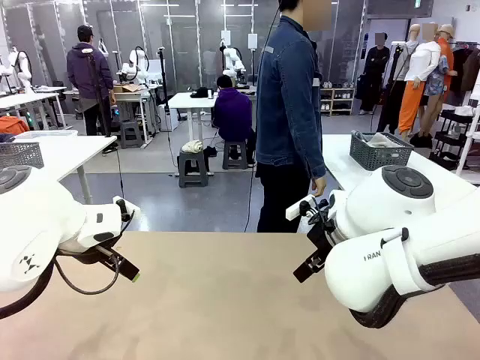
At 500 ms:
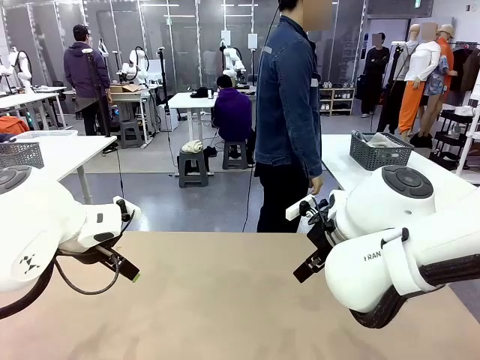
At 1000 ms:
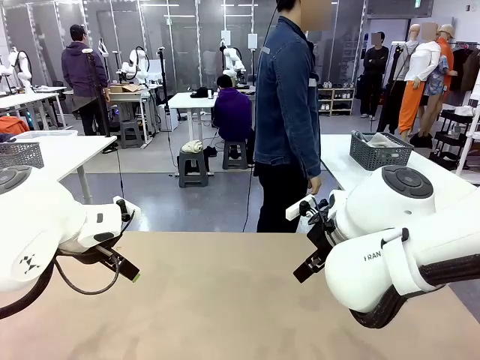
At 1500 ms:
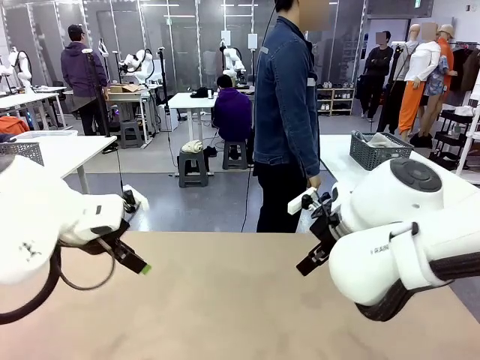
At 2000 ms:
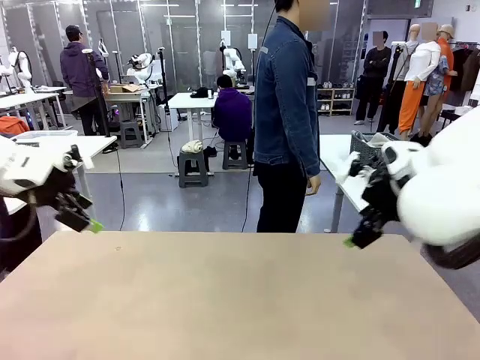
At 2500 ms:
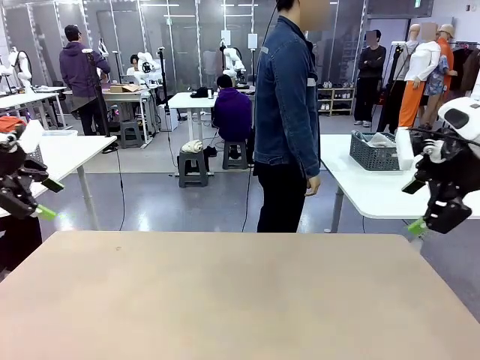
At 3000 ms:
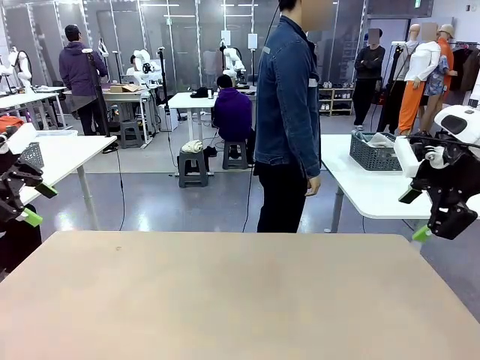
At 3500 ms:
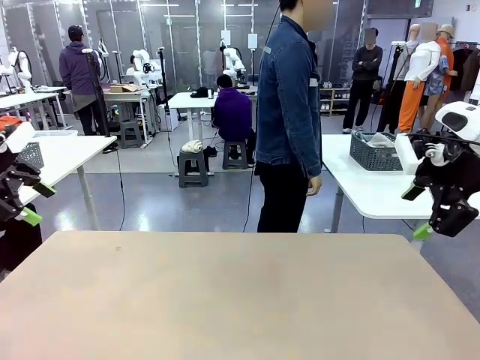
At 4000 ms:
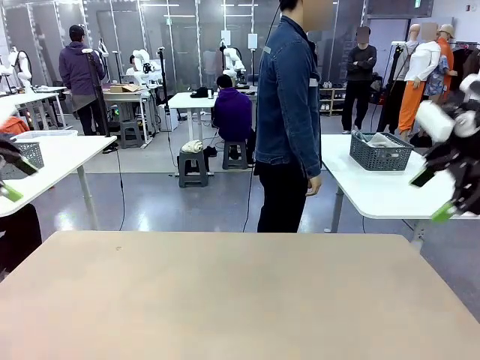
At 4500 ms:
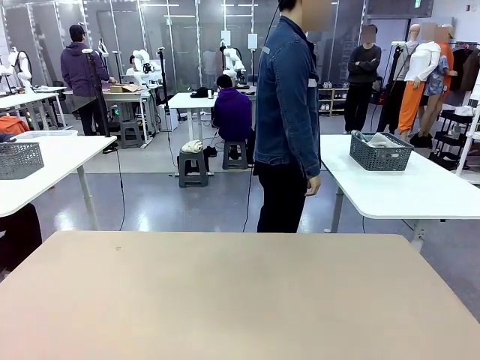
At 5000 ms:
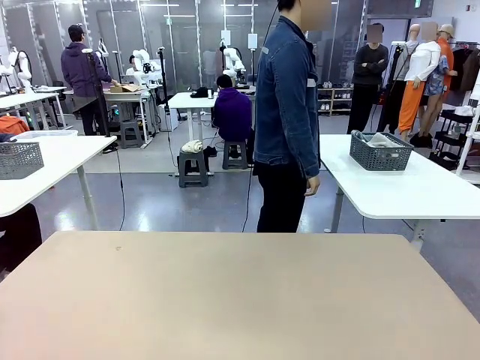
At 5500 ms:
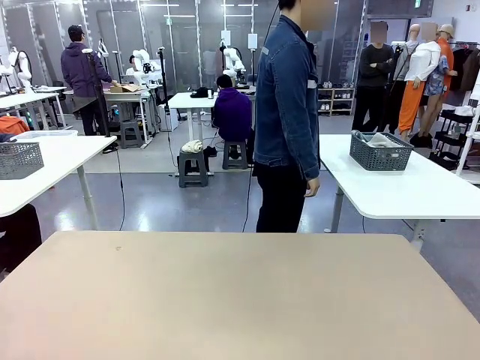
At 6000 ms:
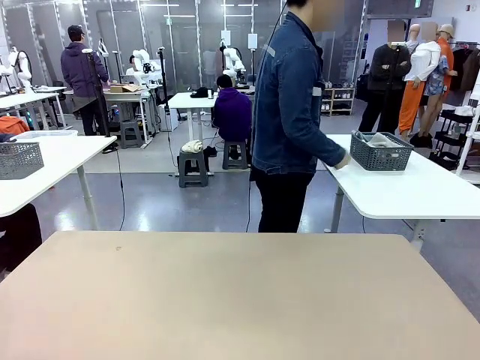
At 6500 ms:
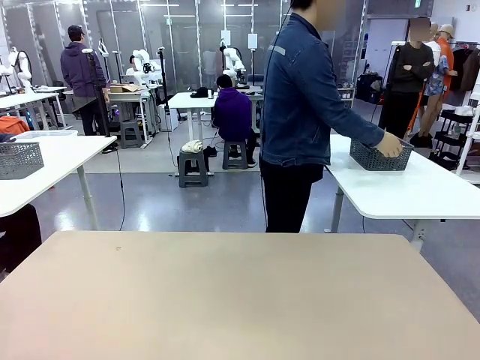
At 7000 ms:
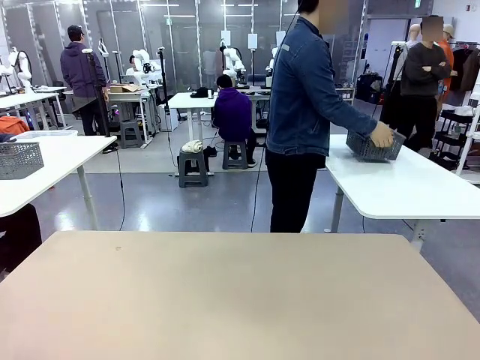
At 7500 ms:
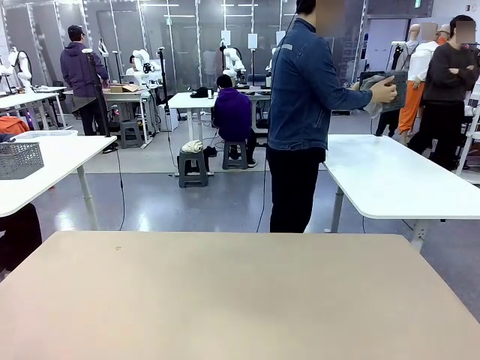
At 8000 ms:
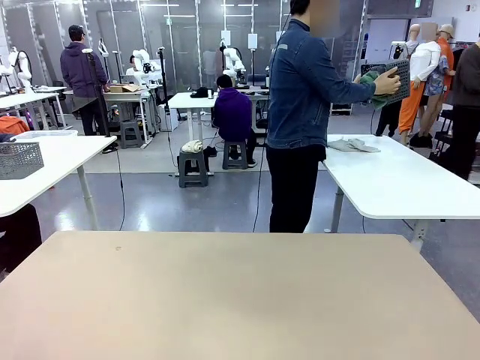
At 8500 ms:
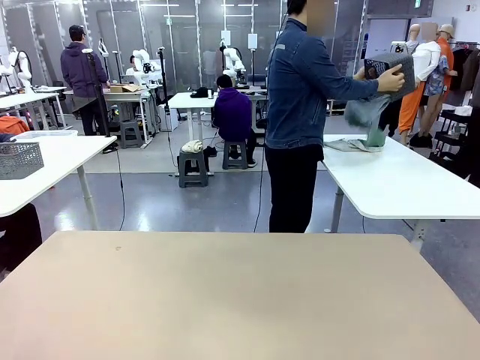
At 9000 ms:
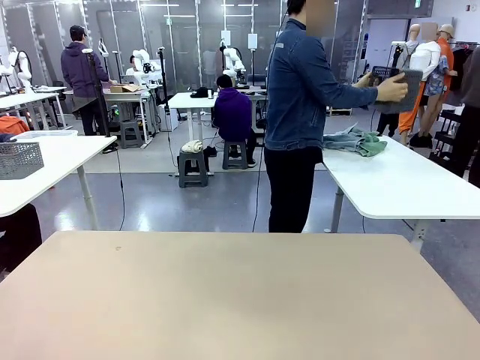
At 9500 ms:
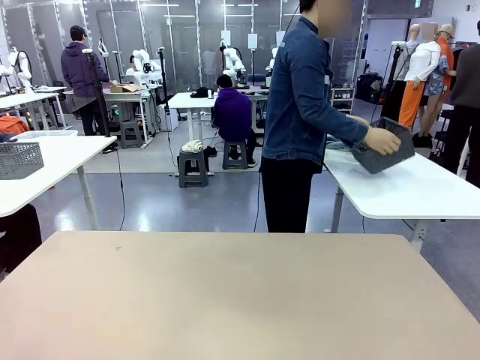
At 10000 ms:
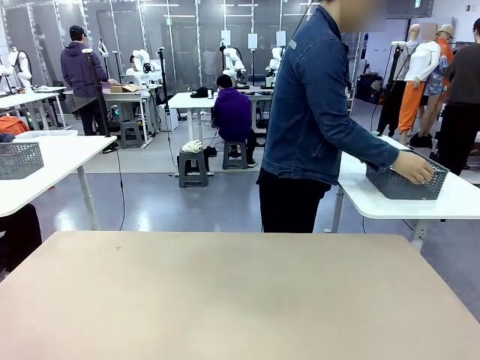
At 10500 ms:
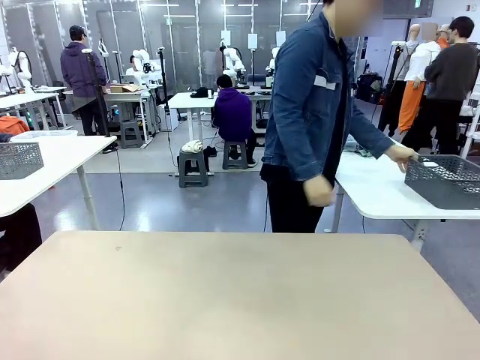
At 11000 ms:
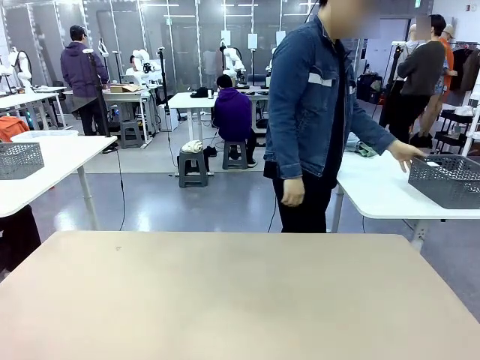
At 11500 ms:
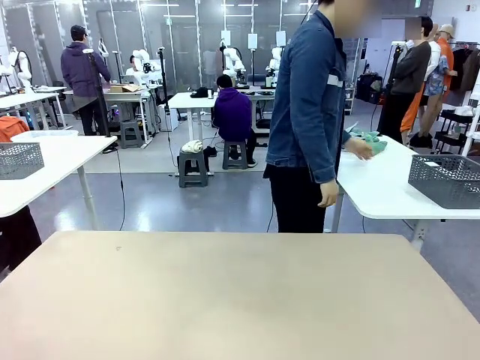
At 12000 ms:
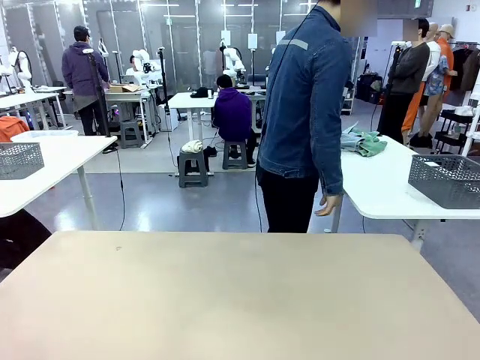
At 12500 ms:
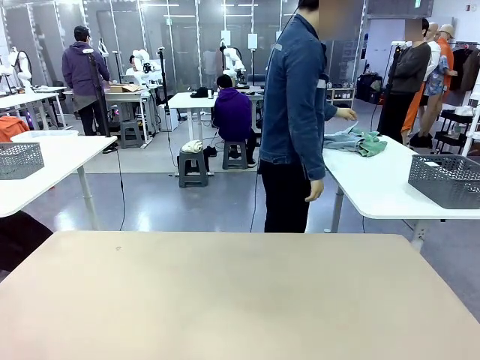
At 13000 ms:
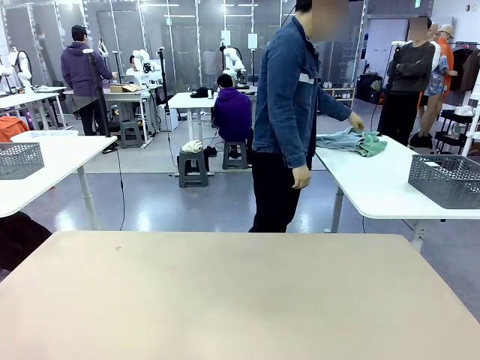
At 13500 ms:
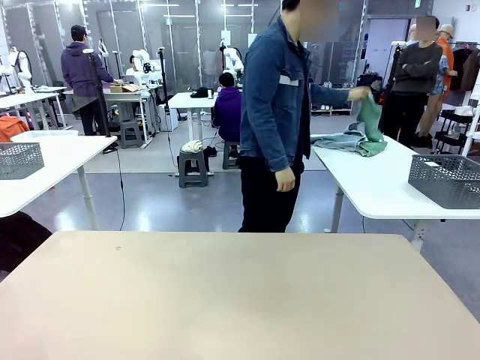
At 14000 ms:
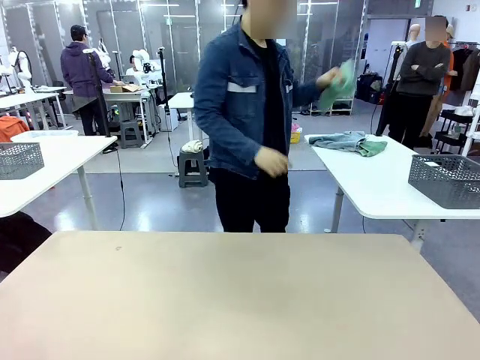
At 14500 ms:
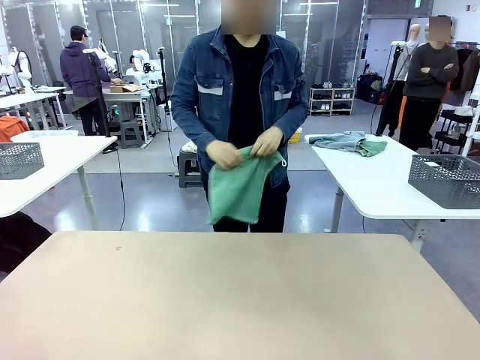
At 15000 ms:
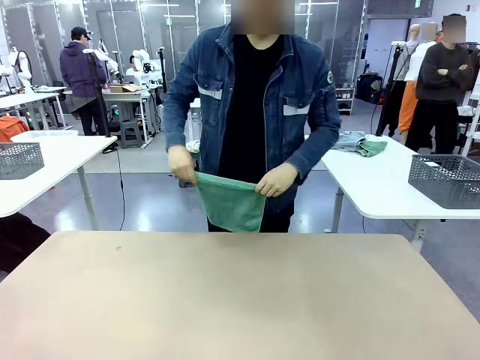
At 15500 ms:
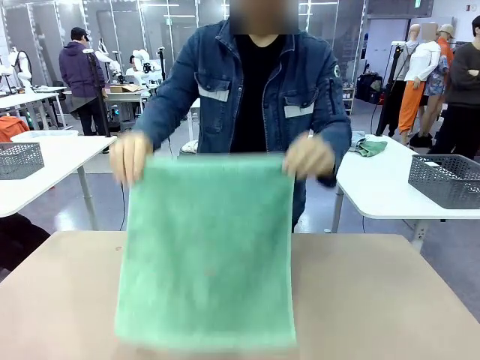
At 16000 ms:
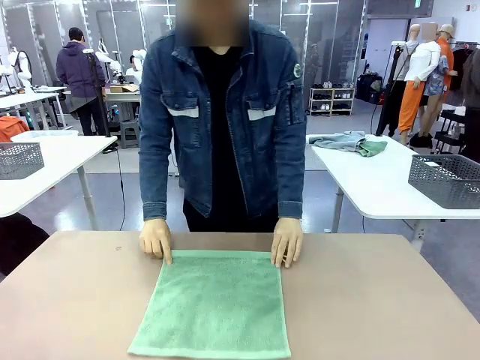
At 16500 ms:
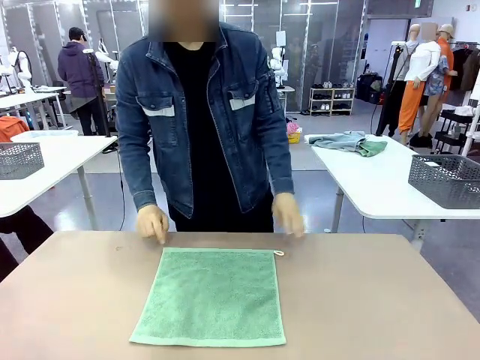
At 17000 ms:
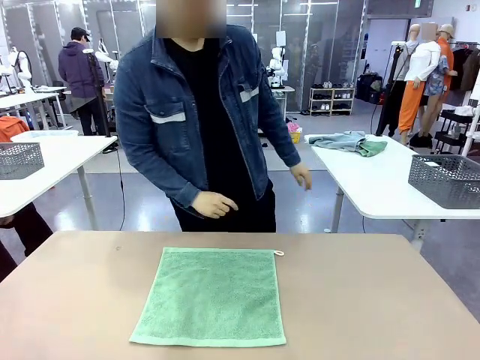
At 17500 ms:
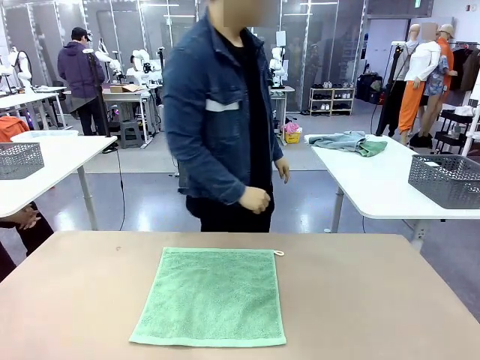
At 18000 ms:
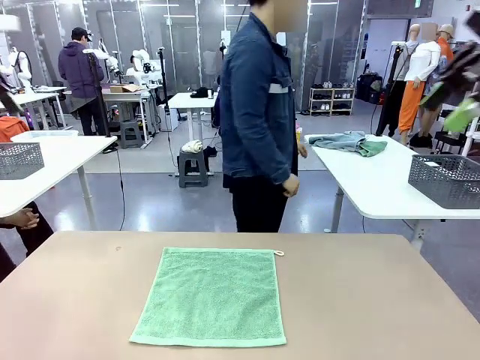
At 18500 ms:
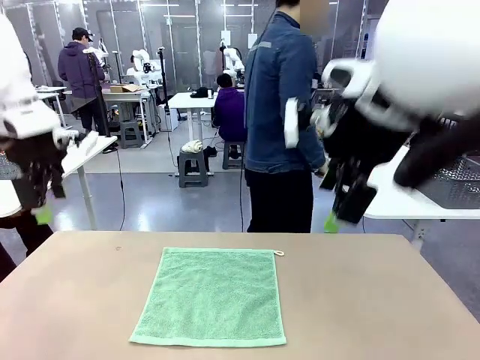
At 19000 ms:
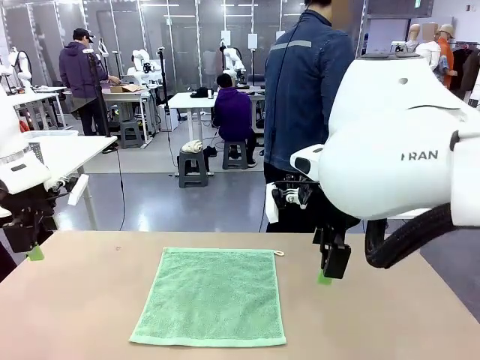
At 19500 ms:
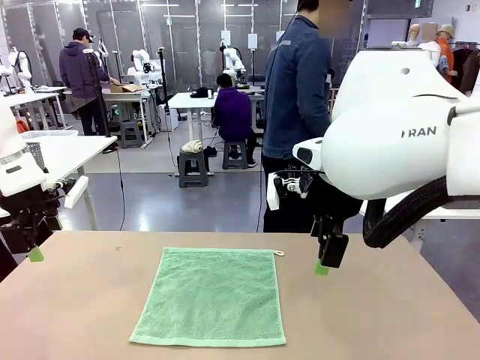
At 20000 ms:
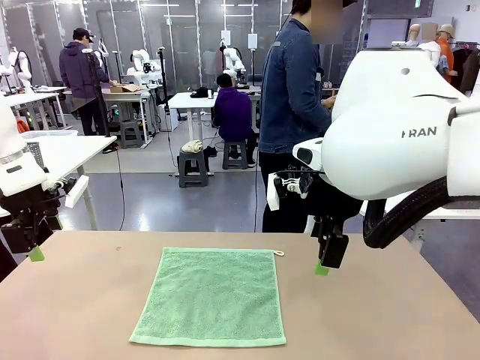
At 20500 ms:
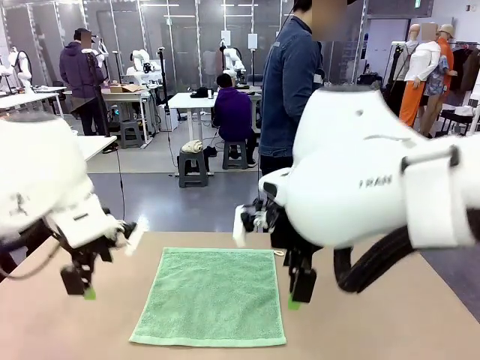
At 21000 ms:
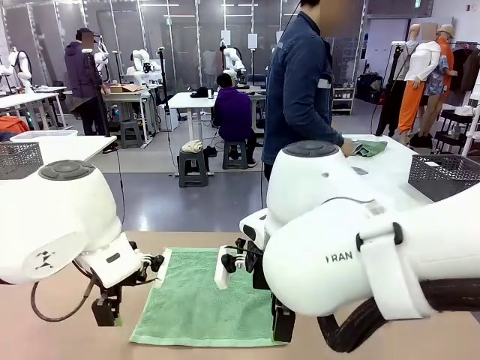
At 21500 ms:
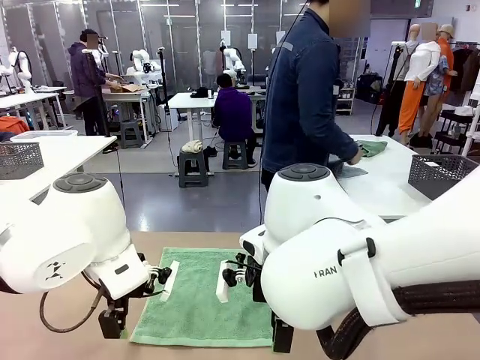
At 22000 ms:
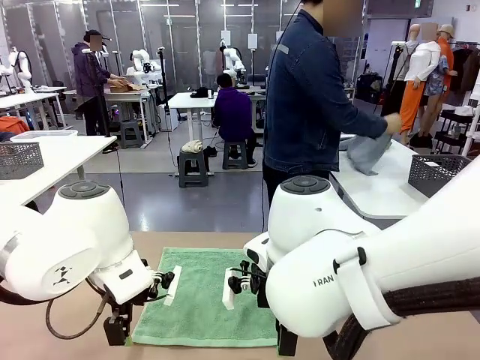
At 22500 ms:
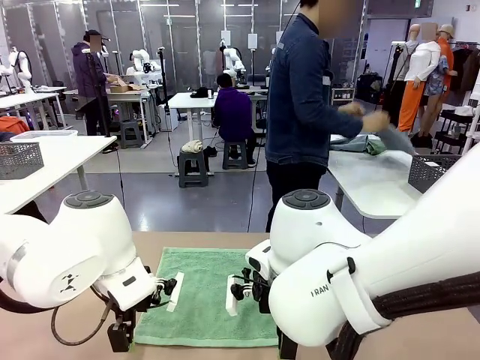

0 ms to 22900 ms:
Task: Fold the towels and place them in the basket.
Robot: When a person lays out a Towel with hook on the table, fold it in half twice.
Person: Pick up the basket, pour the towels onto the left side of the human table, and place the basket on the right side. Pick up one towel and spread it out at the center of the robot table.
